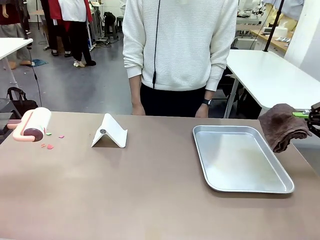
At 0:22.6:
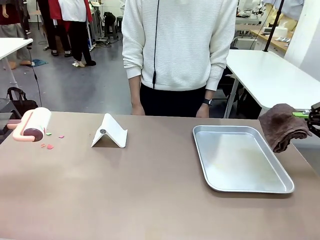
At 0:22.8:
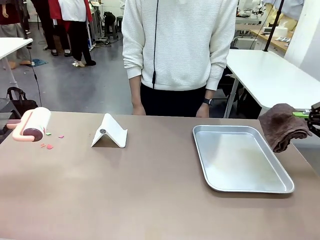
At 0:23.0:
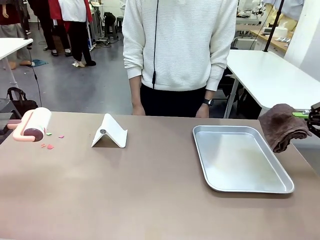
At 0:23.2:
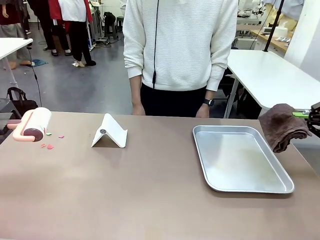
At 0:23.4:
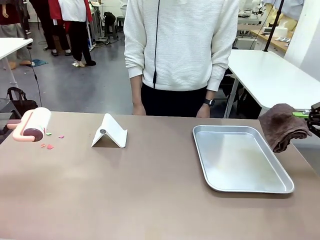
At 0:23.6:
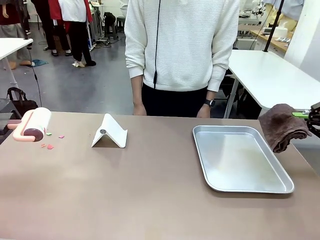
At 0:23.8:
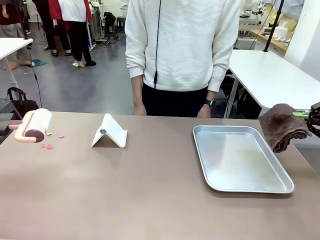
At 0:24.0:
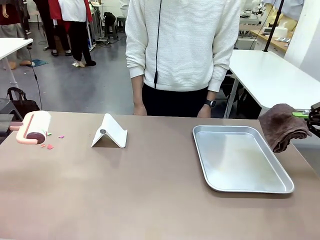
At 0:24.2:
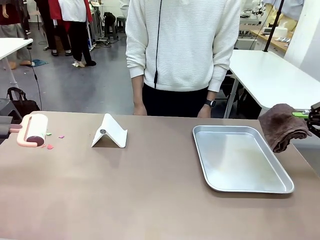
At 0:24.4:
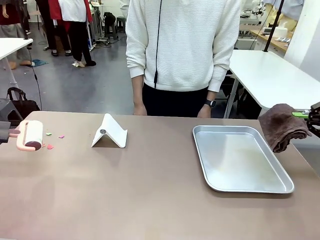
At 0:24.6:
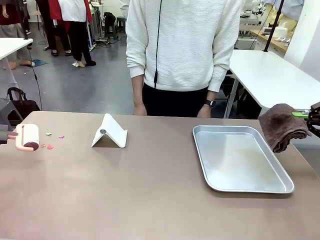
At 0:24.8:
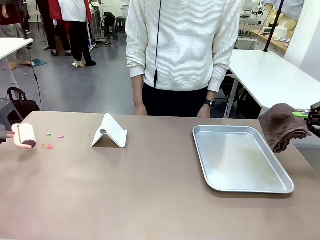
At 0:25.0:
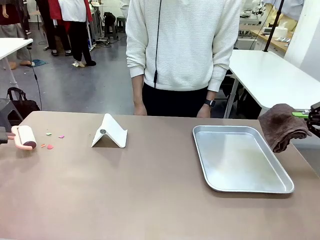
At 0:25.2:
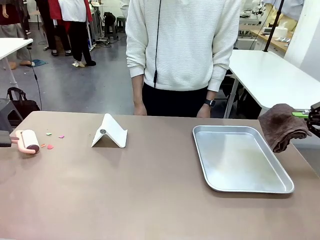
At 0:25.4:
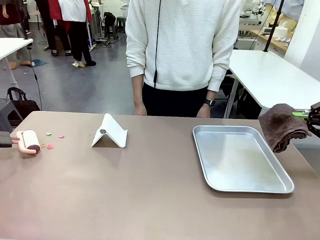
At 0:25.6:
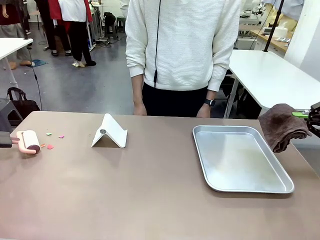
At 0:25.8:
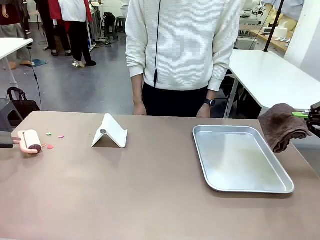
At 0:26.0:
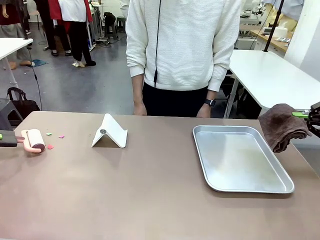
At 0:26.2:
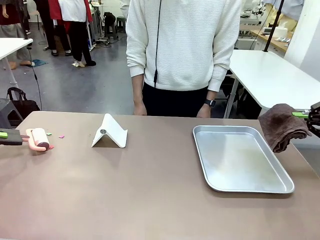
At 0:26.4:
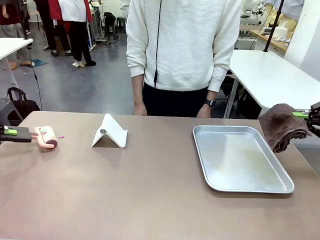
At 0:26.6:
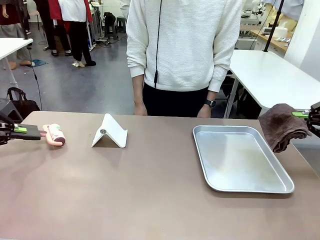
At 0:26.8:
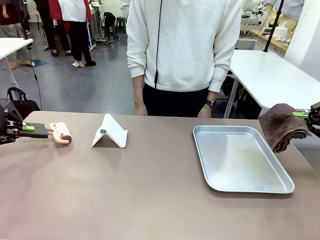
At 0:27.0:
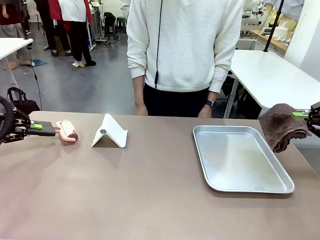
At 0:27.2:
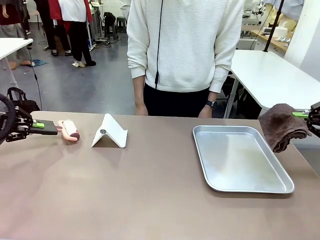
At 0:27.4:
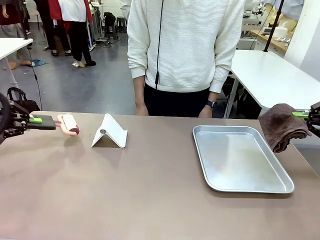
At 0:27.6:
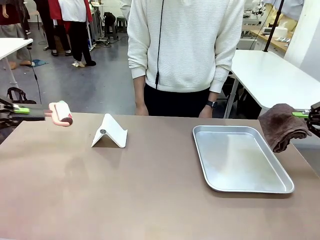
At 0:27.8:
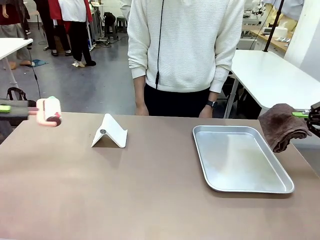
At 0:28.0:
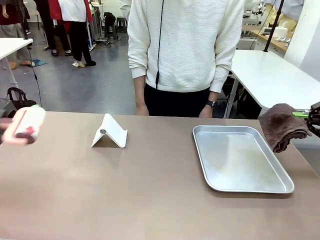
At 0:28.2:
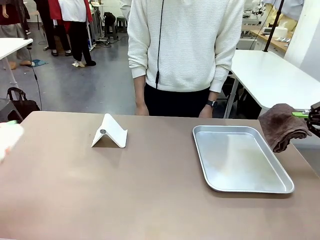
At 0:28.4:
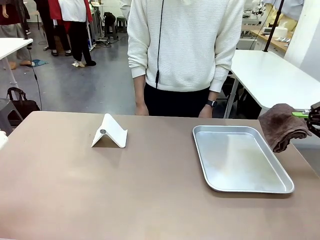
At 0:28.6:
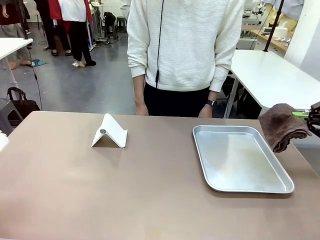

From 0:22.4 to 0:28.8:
Task: Clean the surface of the table.
Robot: Clean the area not pointed to by the person.

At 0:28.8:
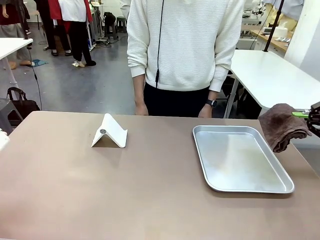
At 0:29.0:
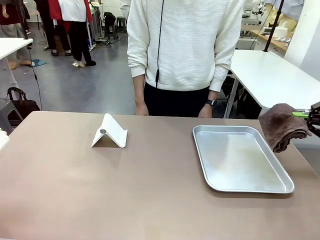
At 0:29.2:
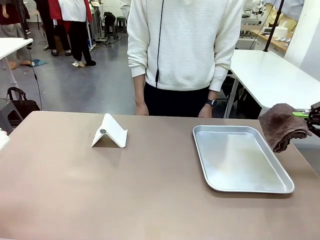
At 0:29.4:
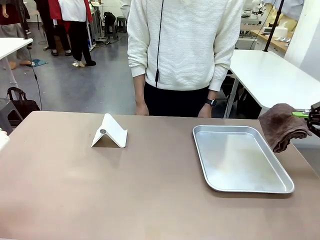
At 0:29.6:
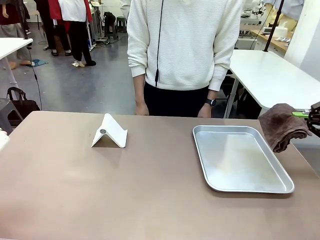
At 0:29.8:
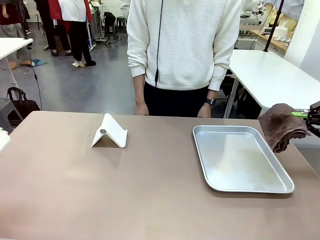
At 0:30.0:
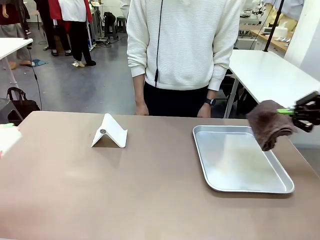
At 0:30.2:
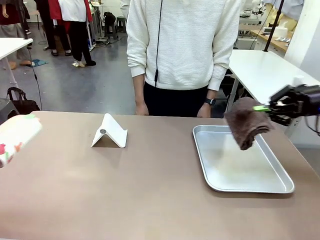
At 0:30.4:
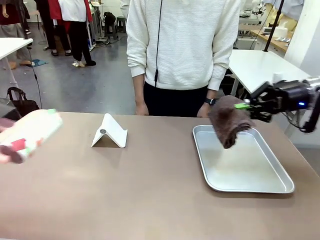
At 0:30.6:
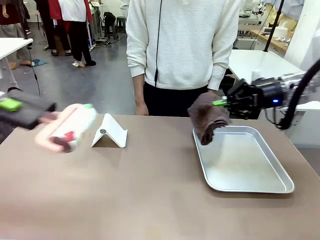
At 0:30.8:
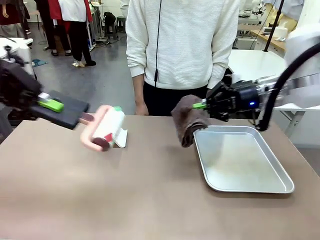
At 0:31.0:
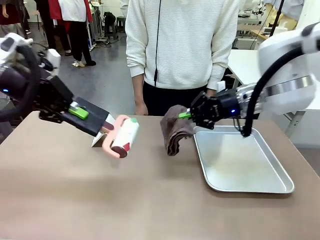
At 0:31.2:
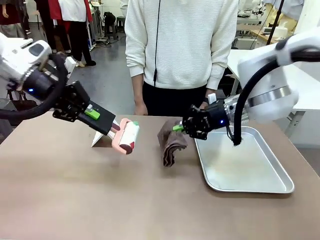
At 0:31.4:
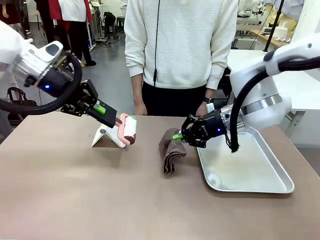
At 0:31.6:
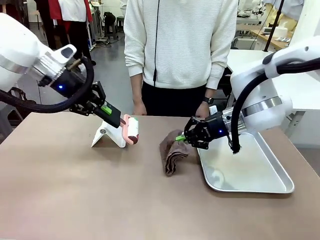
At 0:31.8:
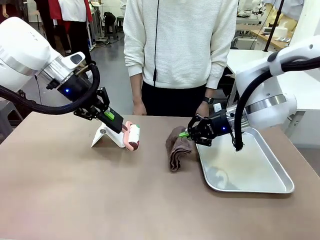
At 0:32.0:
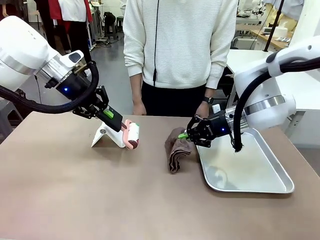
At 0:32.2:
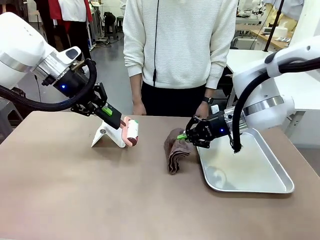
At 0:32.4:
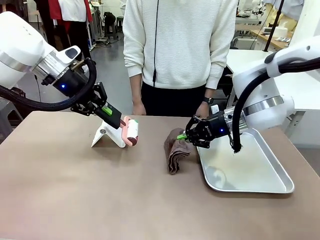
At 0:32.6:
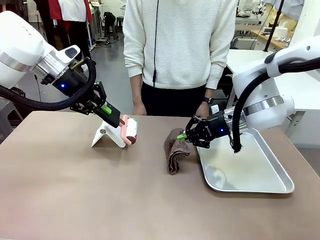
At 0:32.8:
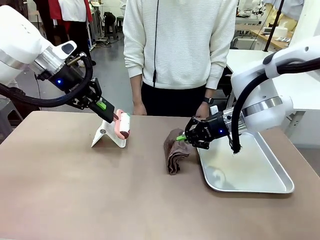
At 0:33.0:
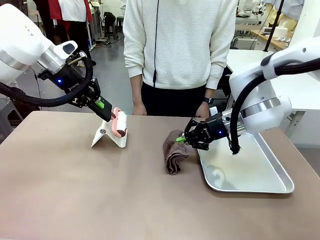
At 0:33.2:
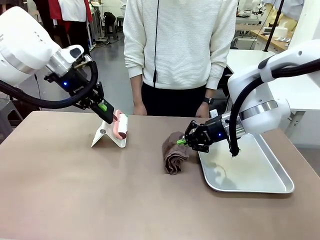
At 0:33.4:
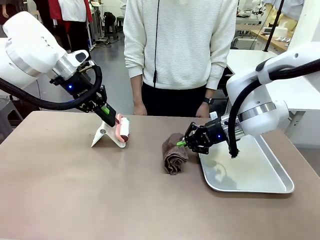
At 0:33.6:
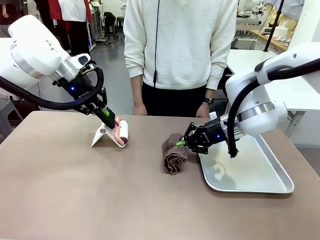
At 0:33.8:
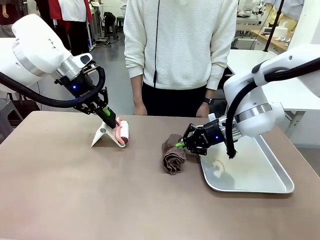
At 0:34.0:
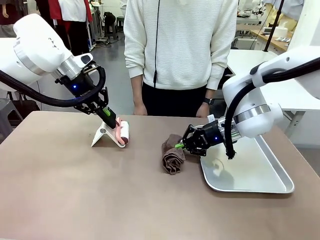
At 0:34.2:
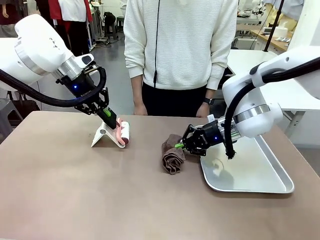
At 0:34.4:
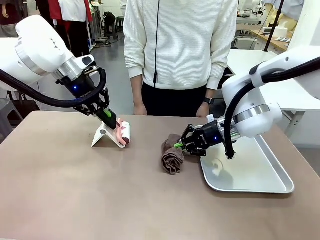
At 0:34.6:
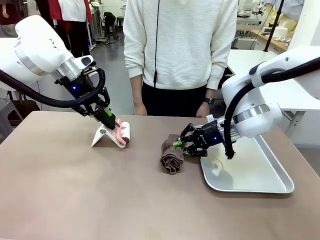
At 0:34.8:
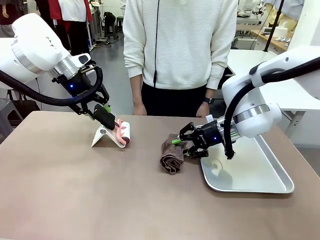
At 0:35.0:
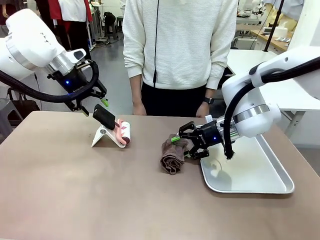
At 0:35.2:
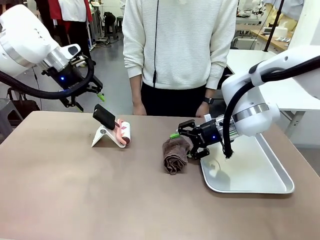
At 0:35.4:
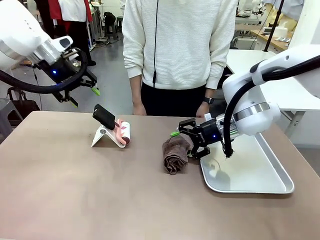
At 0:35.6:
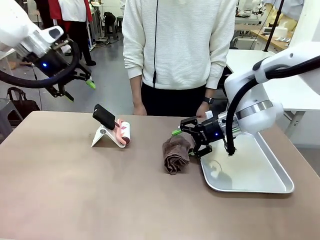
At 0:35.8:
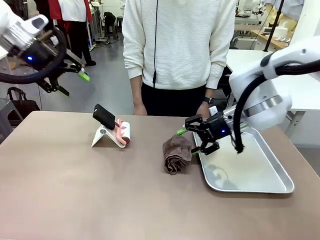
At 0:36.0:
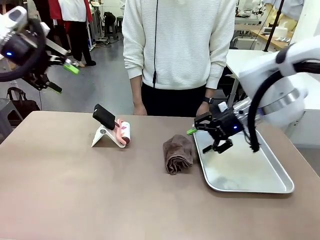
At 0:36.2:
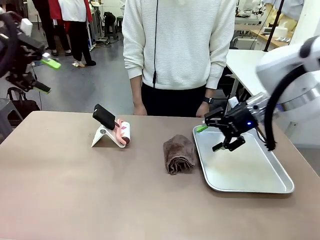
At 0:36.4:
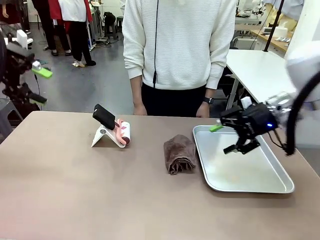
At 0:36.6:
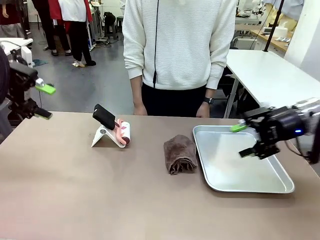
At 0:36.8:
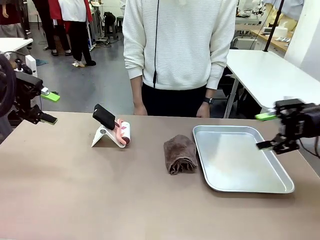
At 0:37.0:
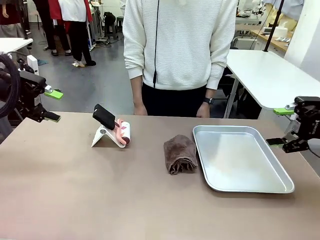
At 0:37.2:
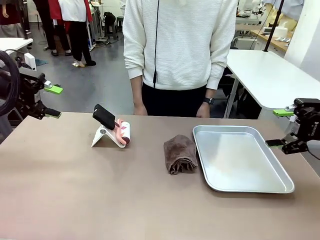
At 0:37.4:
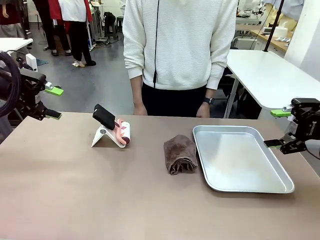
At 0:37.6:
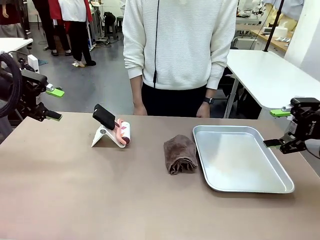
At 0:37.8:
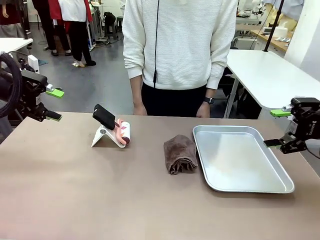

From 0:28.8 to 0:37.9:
Robot: Return the Lint Roller and towel to their original positions.
